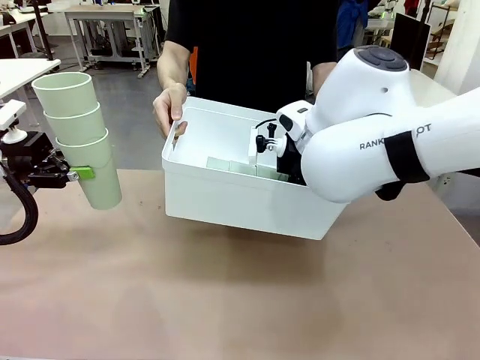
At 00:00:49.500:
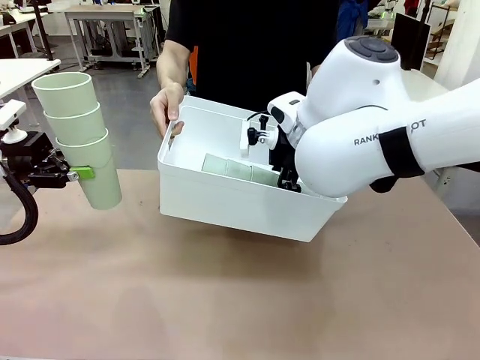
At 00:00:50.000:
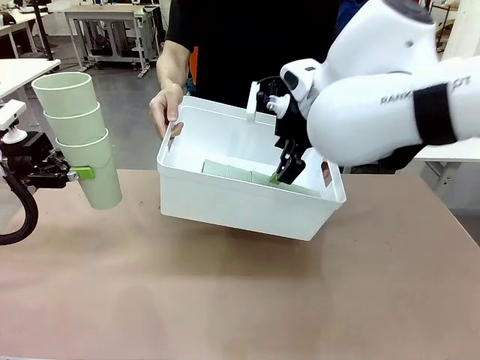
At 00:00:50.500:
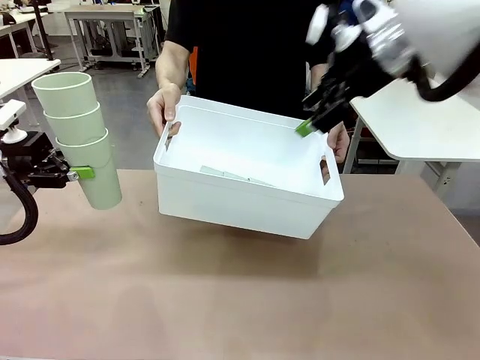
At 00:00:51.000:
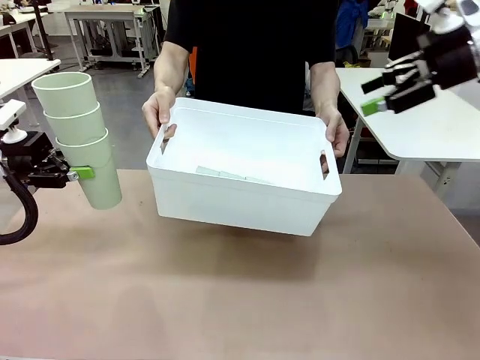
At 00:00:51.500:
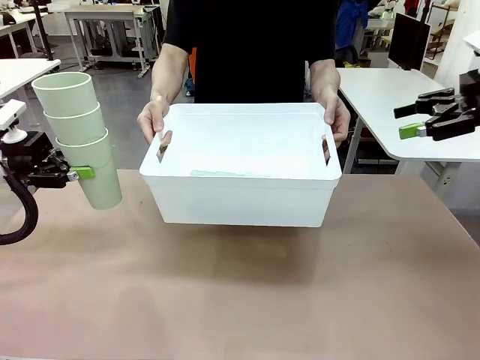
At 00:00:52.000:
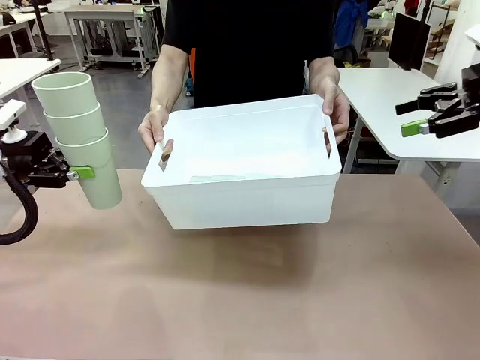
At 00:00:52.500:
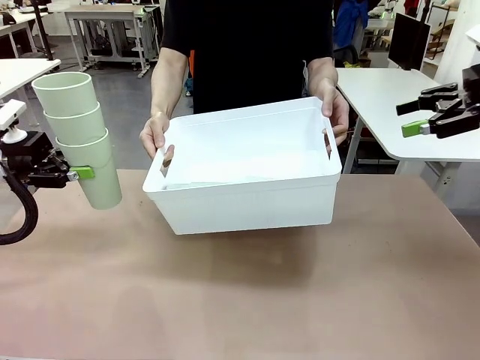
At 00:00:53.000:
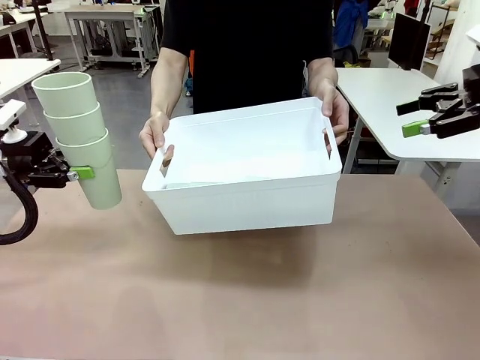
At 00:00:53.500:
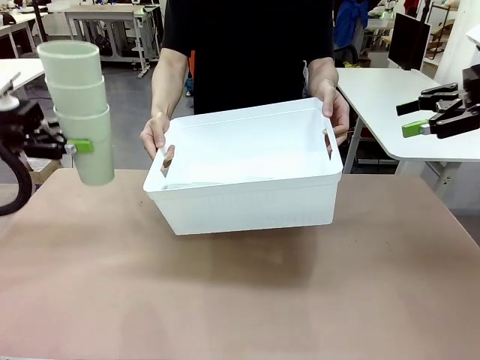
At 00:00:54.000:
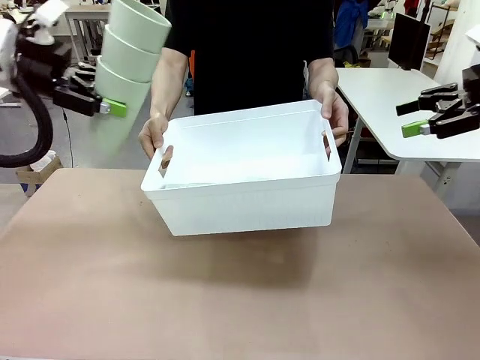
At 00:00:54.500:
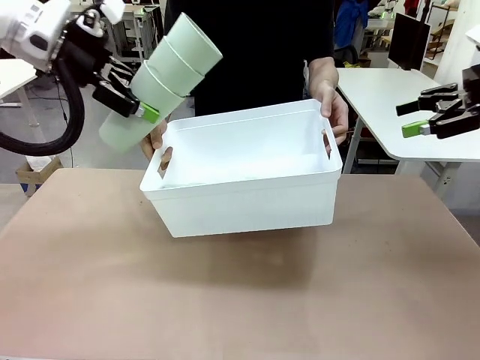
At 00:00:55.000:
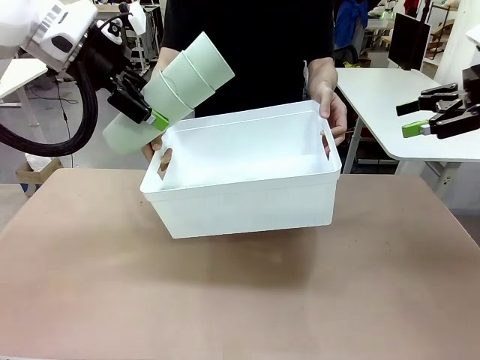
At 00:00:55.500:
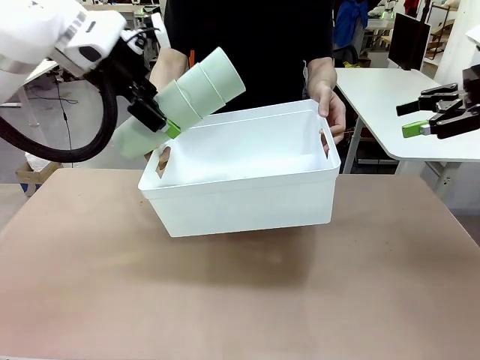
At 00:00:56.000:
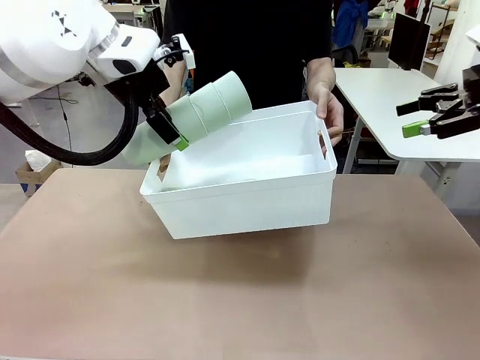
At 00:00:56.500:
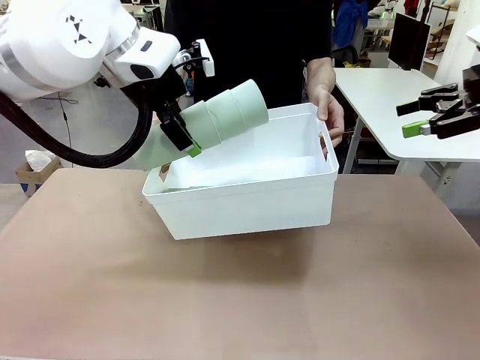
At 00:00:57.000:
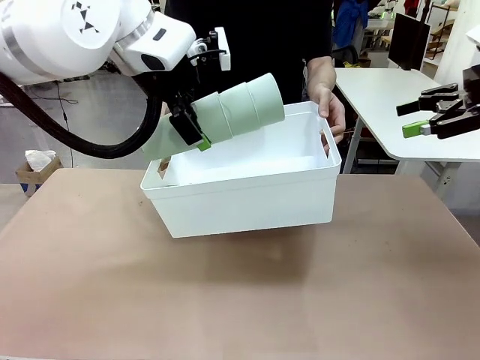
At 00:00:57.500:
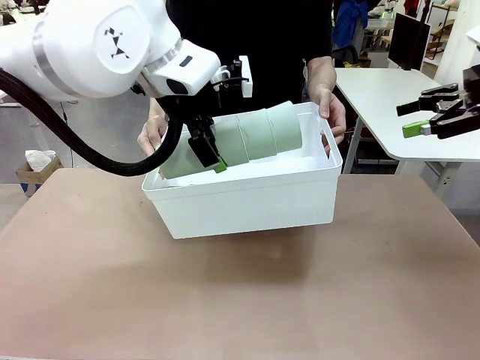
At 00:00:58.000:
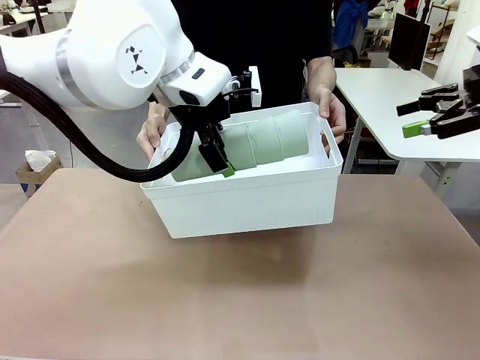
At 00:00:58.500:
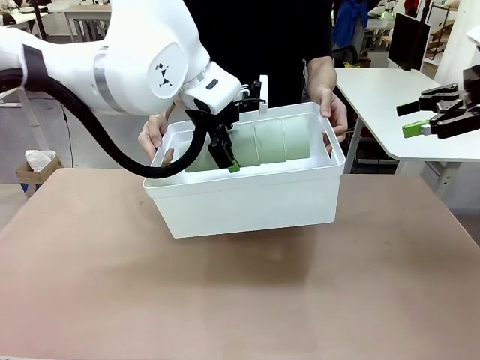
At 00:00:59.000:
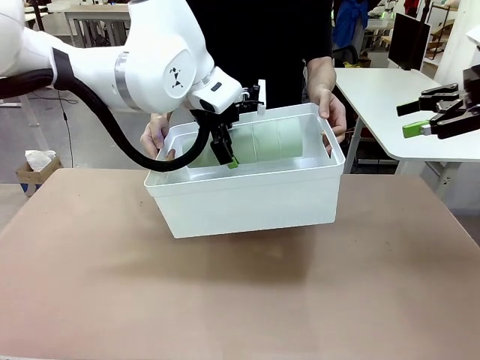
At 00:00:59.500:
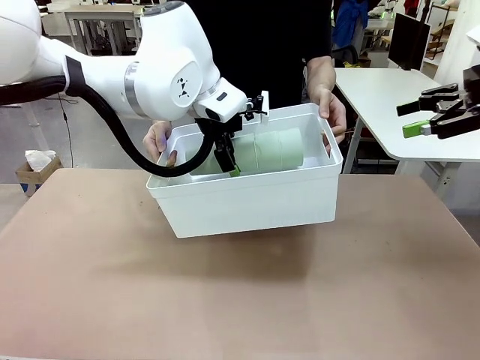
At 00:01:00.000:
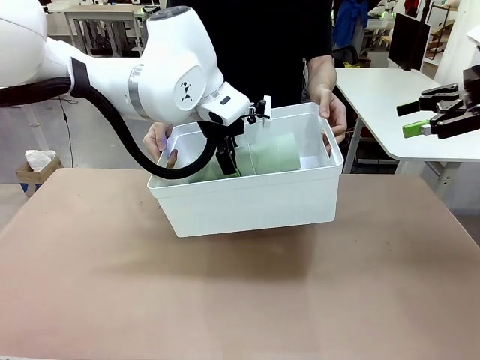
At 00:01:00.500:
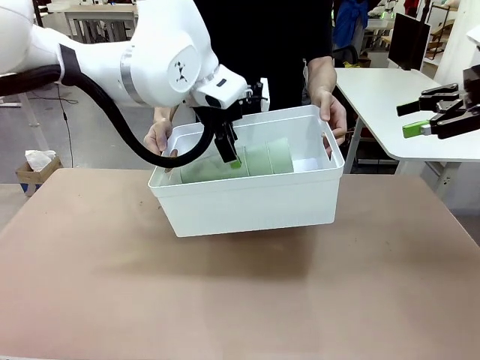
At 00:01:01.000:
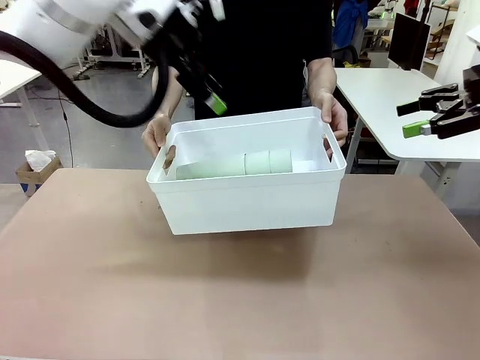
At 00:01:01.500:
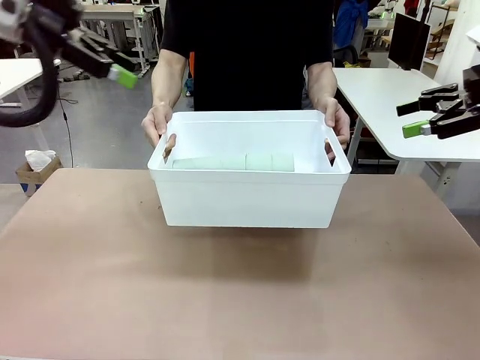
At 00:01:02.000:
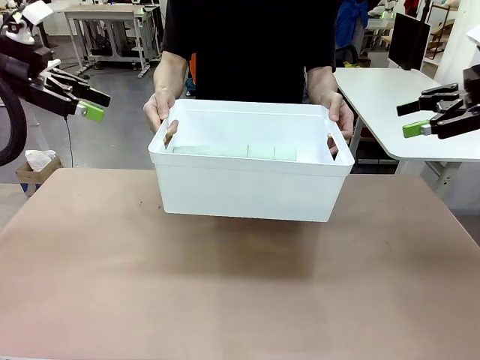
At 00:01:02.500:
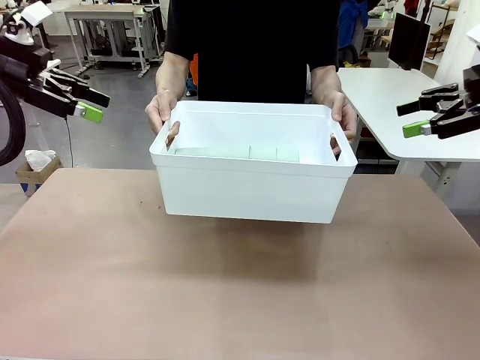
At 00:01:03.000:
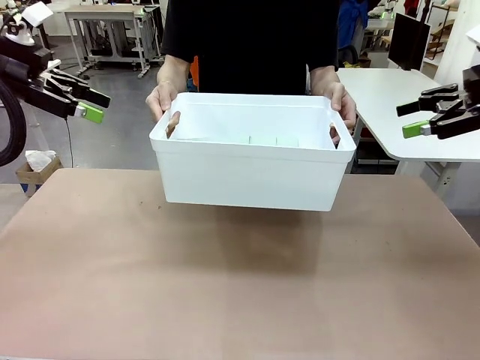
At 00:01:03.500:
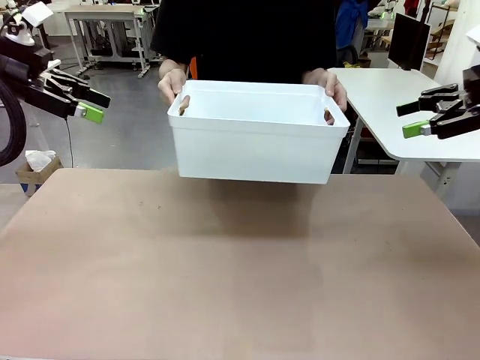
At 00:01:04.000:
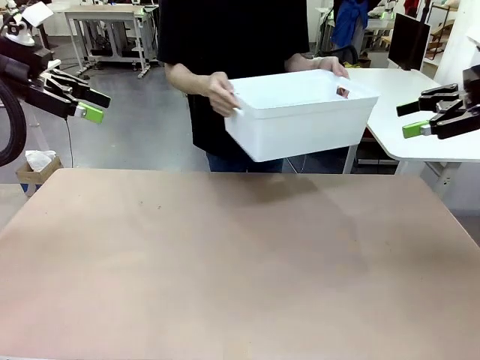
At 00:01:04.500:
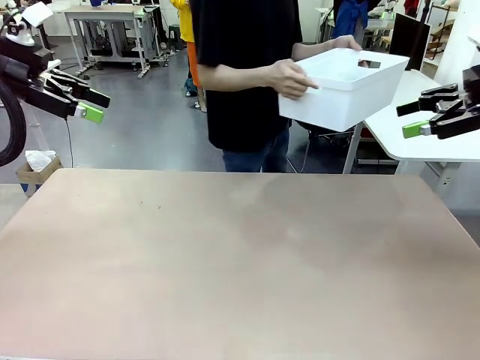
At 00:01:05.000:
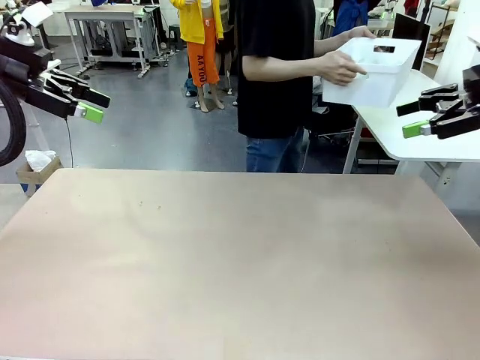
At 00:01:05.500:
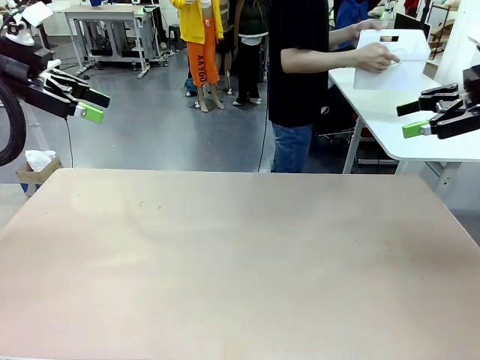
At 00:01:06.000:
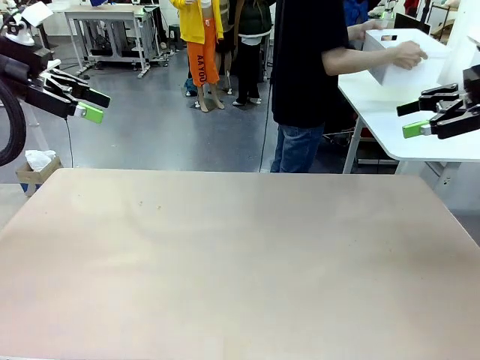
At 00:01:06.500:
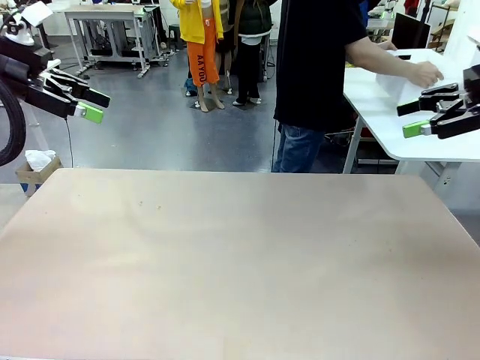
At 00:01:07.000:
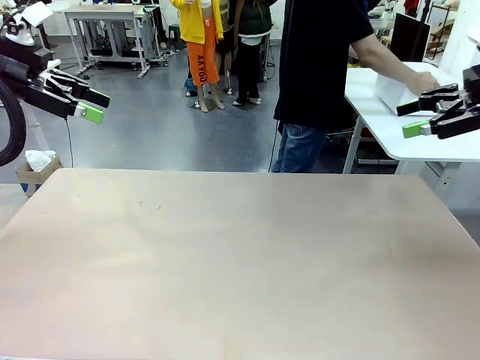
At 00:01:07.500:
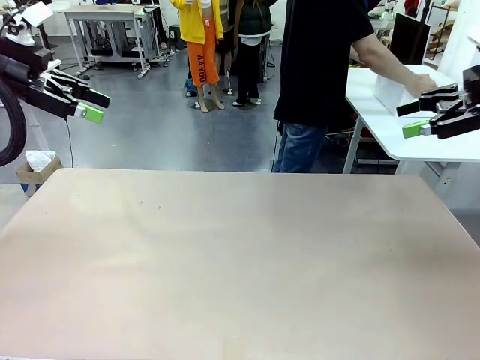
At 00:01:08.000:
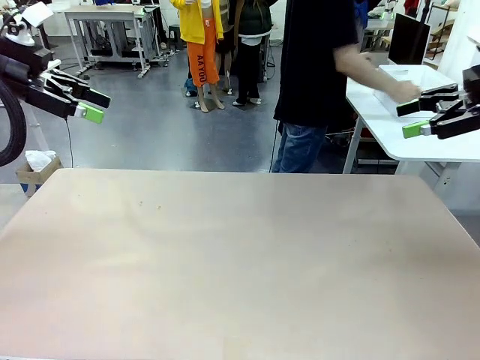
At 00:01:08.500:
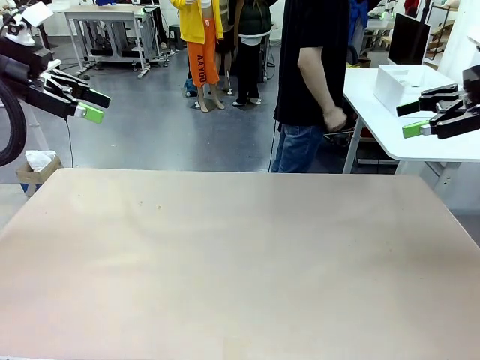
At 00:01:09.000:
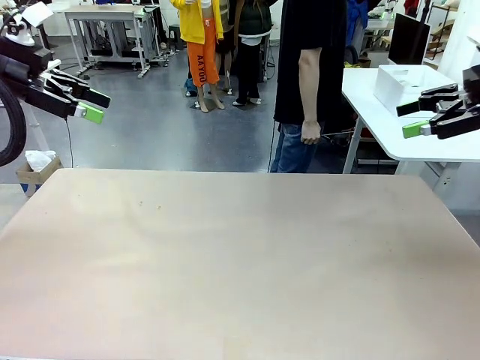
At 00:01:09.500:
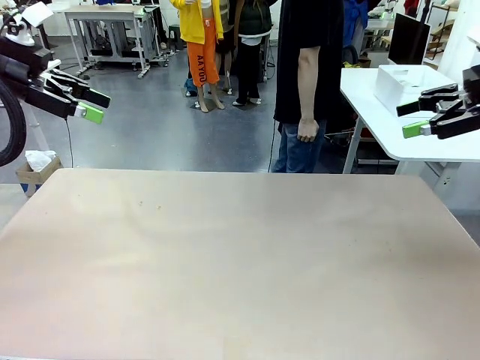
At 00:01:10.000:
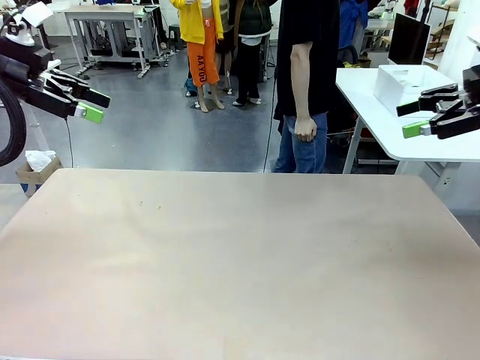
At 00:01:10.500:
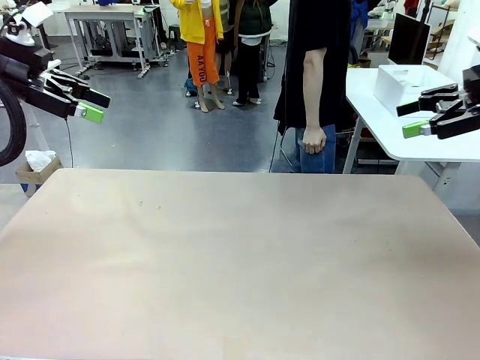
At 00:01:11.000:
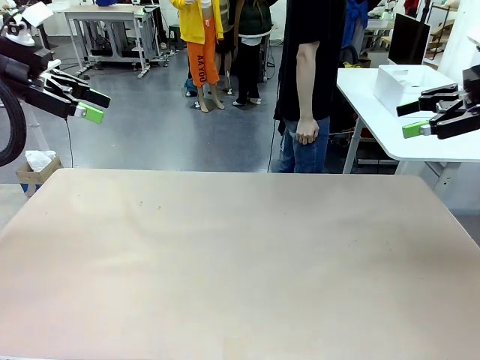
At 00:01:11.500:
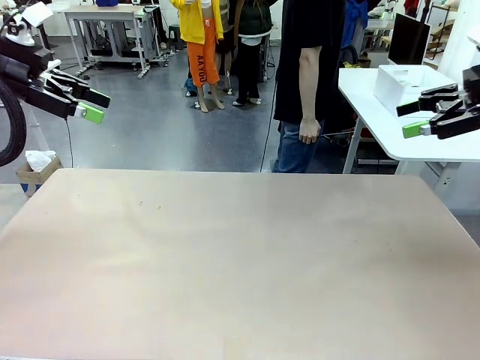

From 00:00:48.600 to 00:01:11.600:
Task: Stack the cups and store them in the basket.
Robot: Place the stack of Reusable plastic cups into the Pantry Basket.
Person: Place the basket containing the cups in the middle of the Human Table.

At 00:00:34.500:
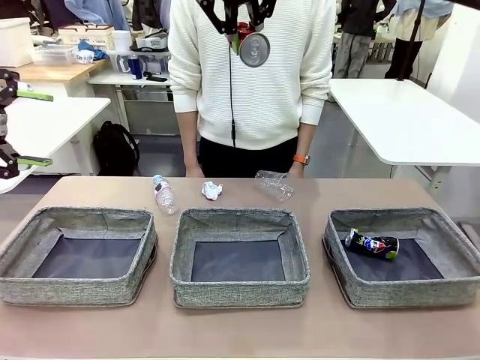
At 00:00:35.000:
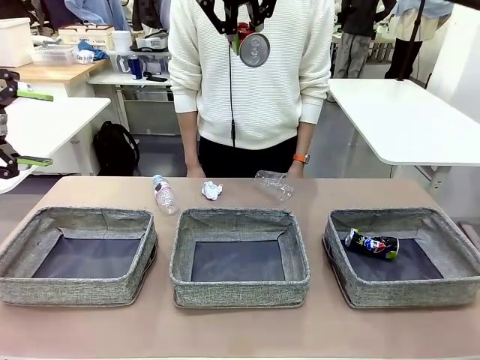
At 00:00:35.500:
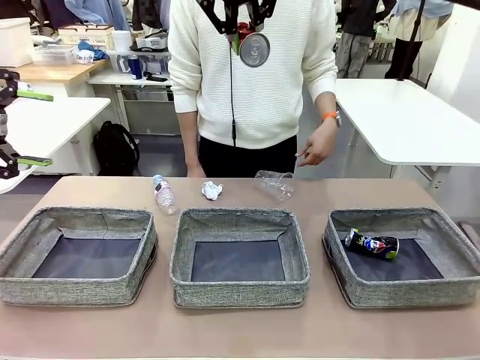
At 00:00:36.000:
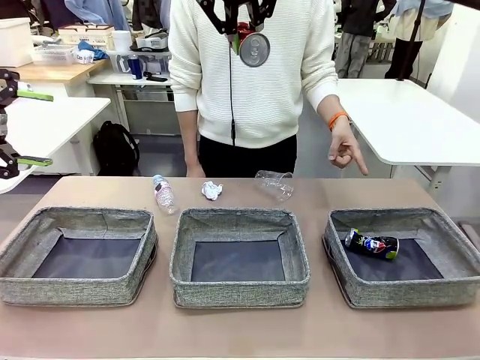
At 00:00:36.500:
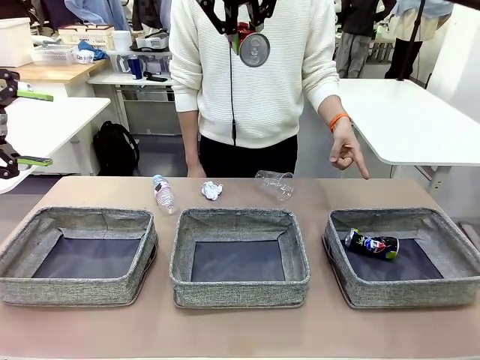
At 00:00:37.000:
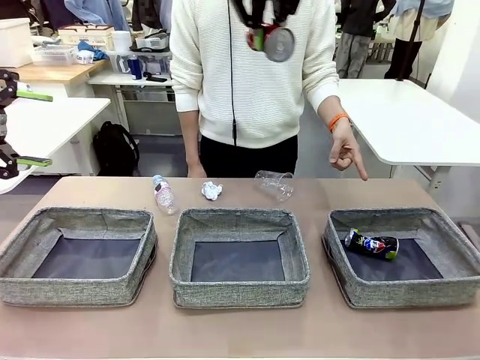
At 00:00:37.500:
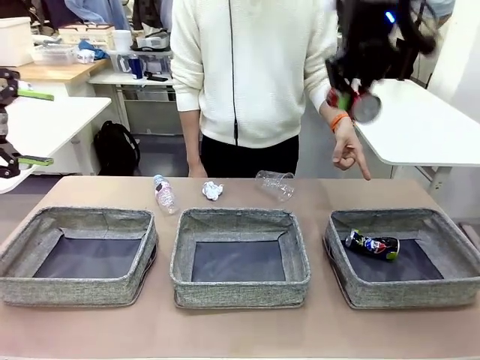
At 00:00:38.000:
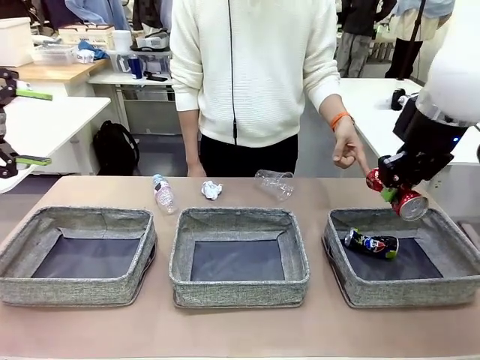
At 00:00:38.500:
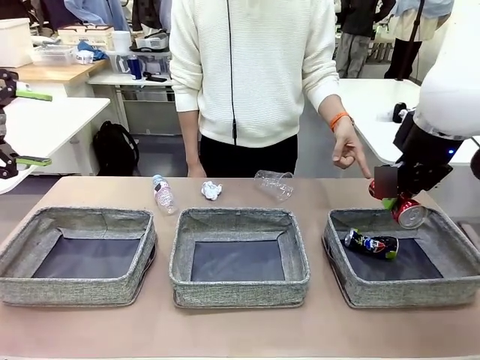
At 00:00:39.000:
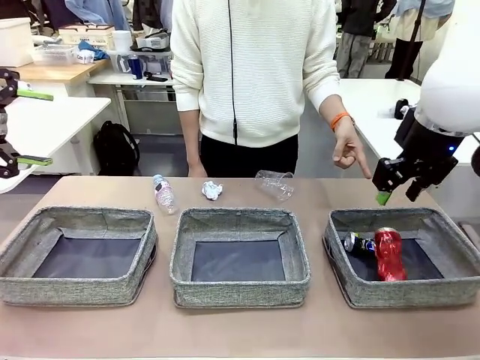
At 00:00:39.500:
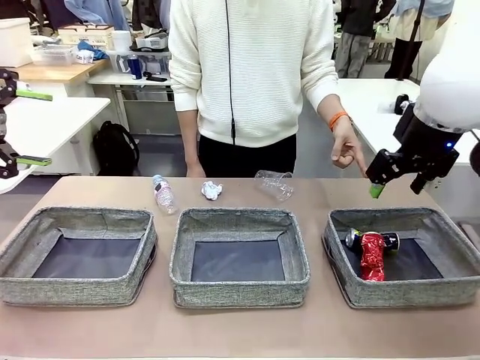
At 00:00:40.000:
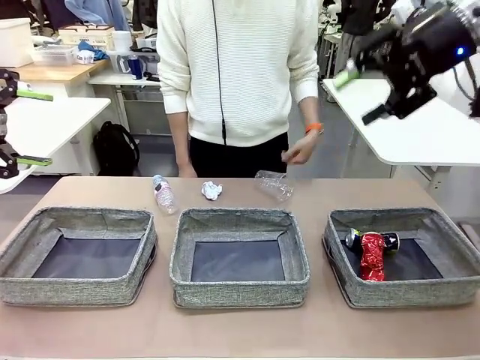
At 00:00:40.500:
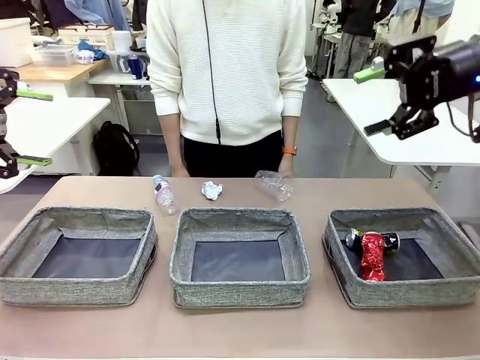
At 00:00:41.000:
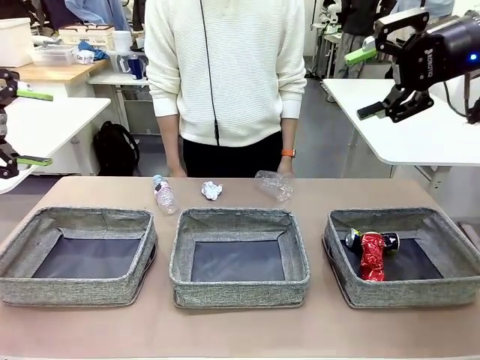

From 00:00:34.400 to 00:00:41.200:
Task: Sort the waste into the appropriate baskets.
Robot: Place the picked waste into the Fabric basket indicated by the person.
Person: Instructs the robot to place the picked-up trash into the appropriate organizing basket.
